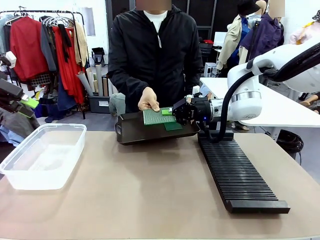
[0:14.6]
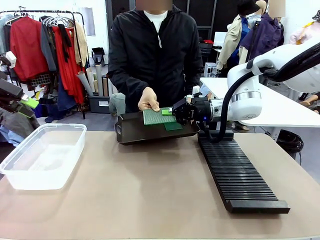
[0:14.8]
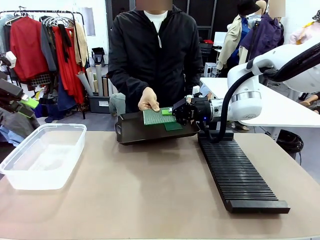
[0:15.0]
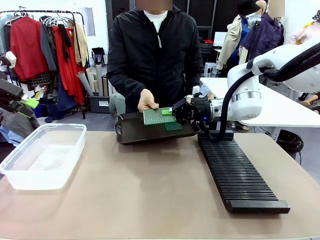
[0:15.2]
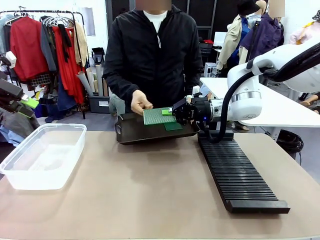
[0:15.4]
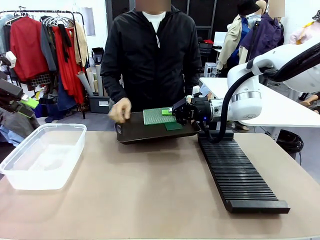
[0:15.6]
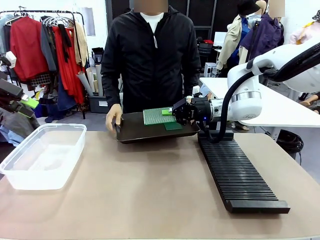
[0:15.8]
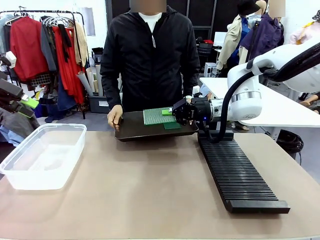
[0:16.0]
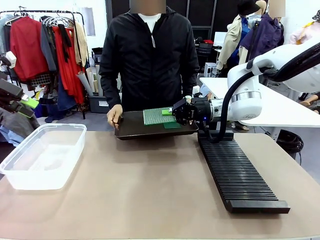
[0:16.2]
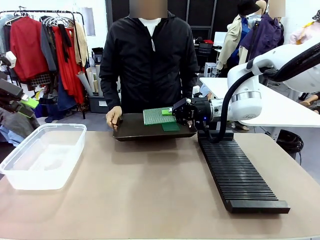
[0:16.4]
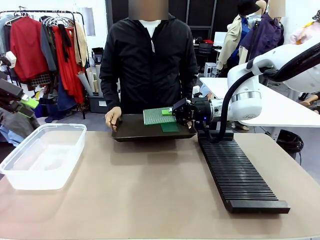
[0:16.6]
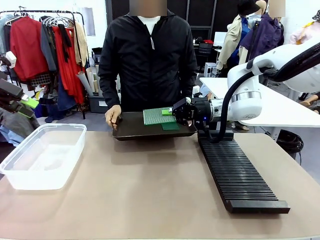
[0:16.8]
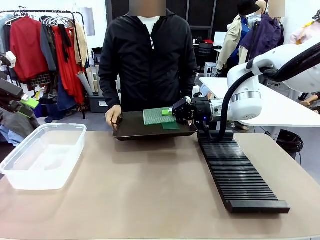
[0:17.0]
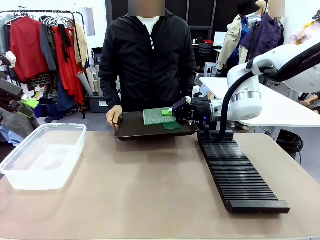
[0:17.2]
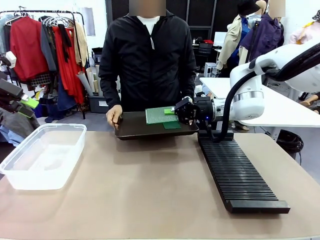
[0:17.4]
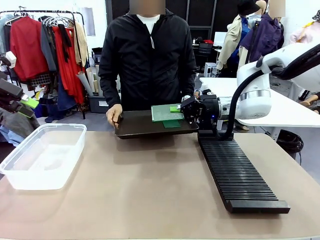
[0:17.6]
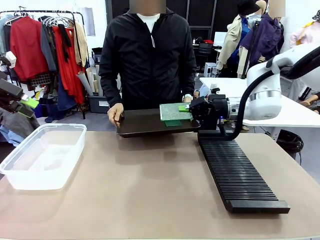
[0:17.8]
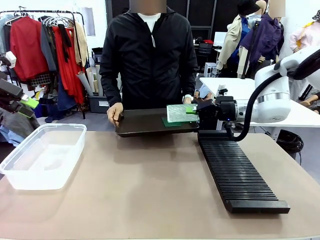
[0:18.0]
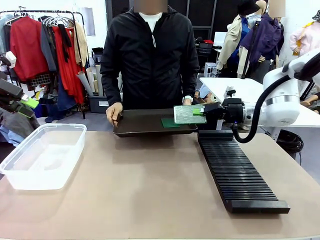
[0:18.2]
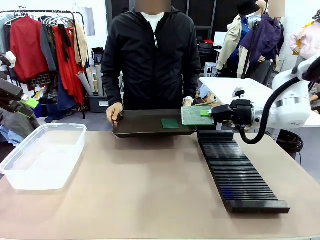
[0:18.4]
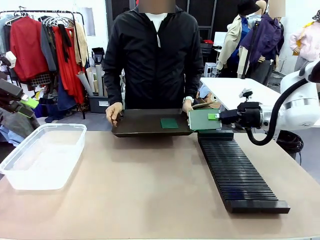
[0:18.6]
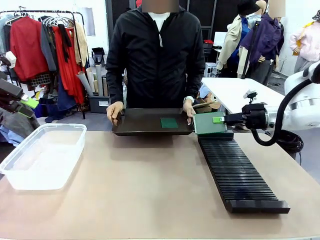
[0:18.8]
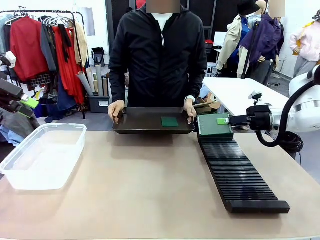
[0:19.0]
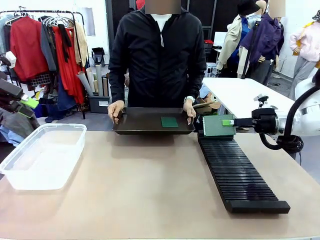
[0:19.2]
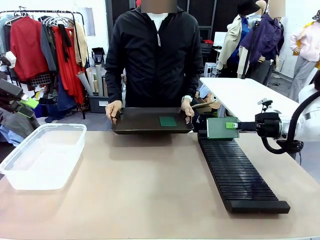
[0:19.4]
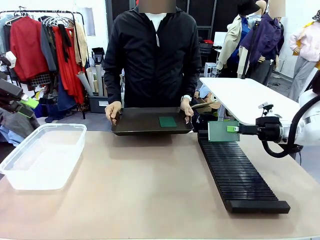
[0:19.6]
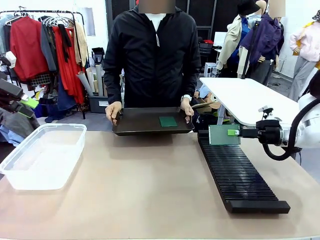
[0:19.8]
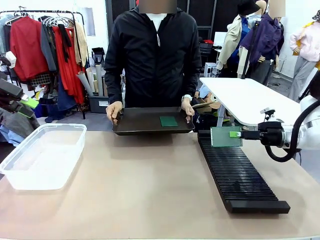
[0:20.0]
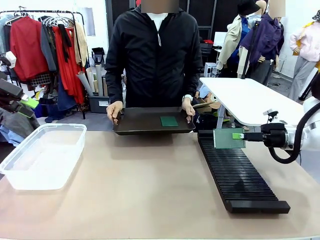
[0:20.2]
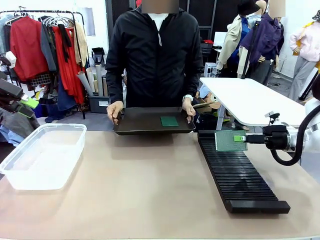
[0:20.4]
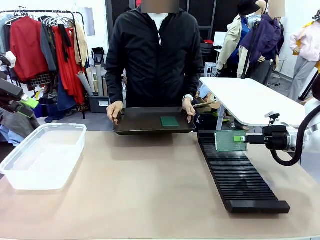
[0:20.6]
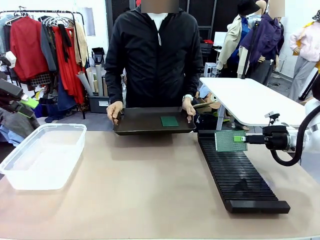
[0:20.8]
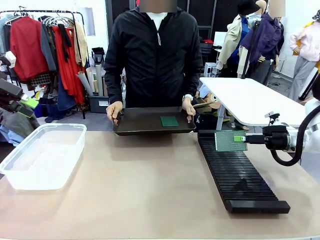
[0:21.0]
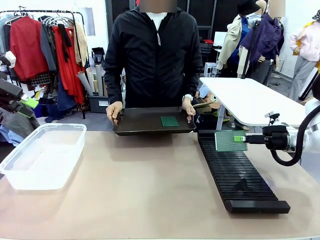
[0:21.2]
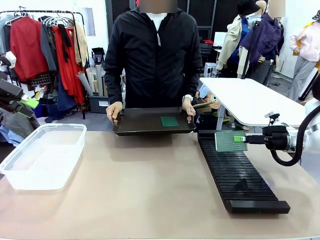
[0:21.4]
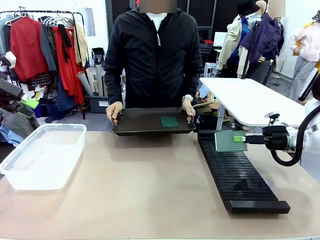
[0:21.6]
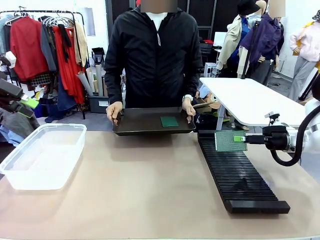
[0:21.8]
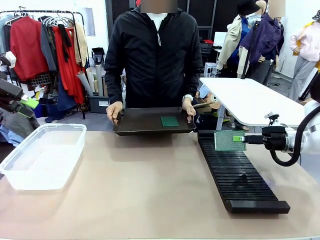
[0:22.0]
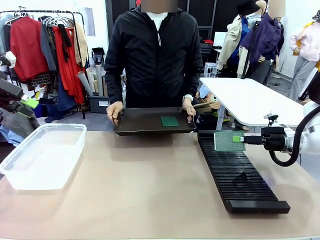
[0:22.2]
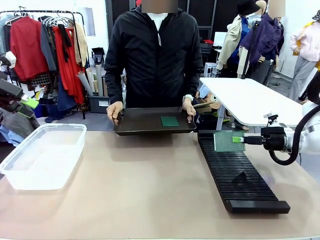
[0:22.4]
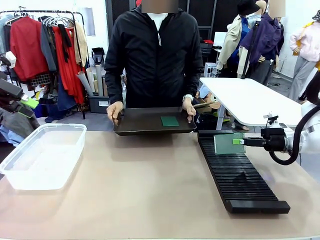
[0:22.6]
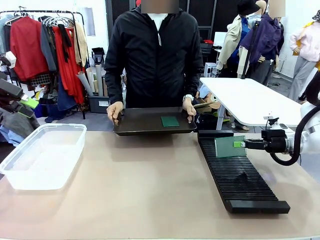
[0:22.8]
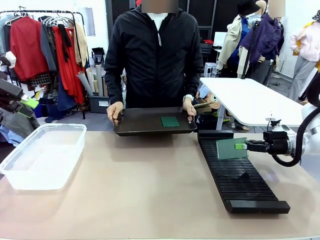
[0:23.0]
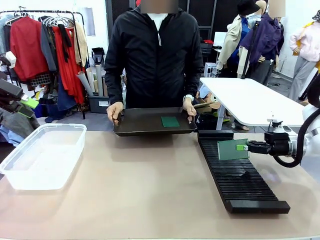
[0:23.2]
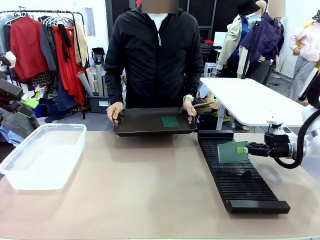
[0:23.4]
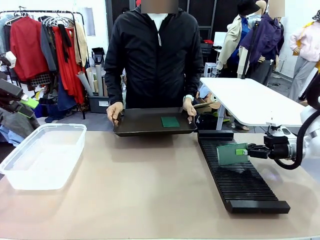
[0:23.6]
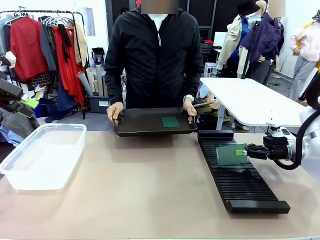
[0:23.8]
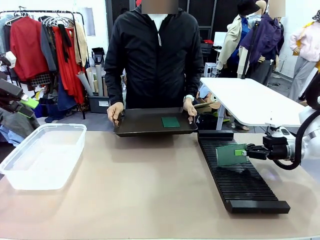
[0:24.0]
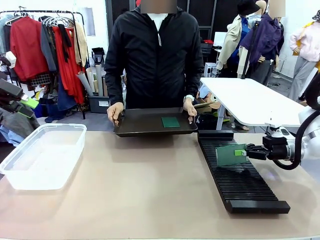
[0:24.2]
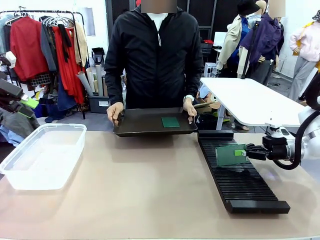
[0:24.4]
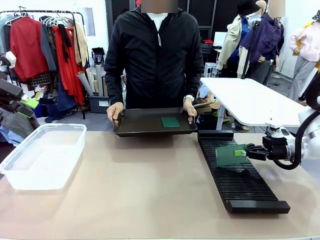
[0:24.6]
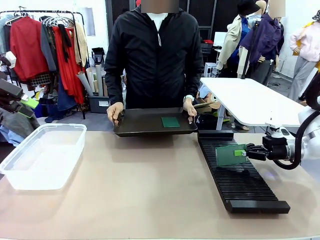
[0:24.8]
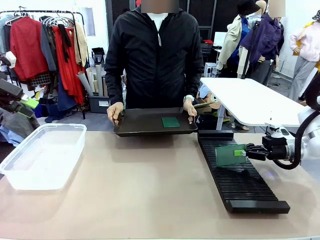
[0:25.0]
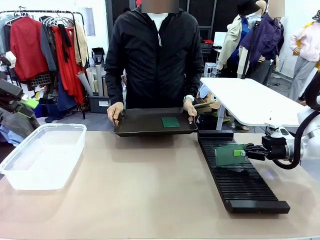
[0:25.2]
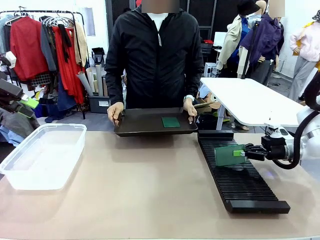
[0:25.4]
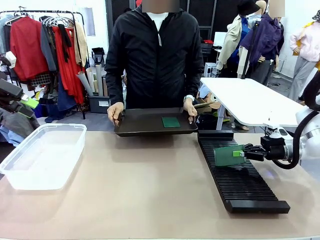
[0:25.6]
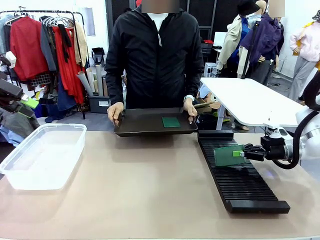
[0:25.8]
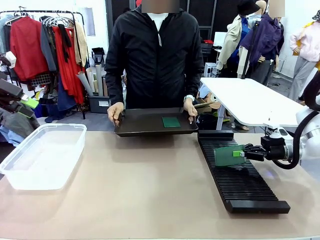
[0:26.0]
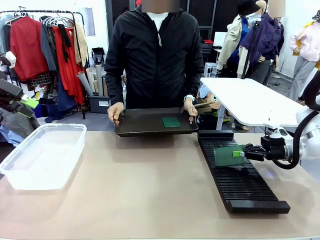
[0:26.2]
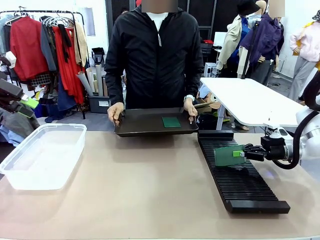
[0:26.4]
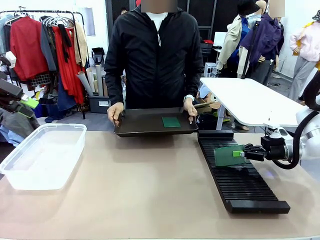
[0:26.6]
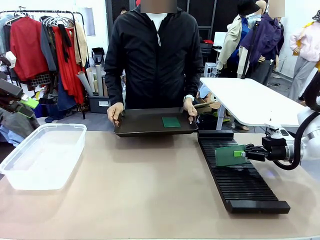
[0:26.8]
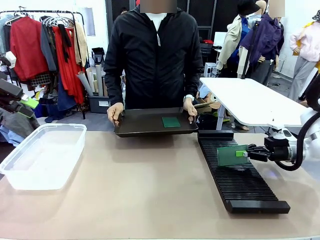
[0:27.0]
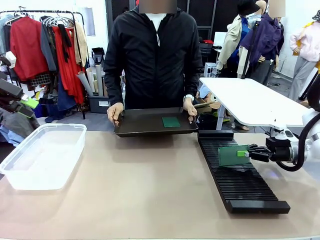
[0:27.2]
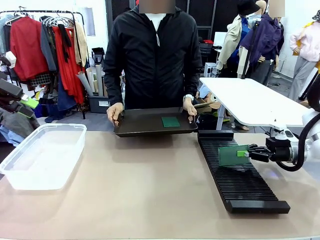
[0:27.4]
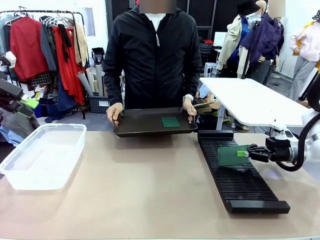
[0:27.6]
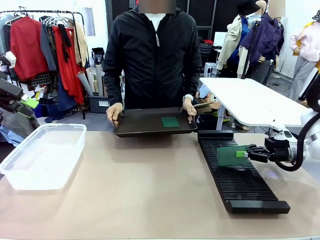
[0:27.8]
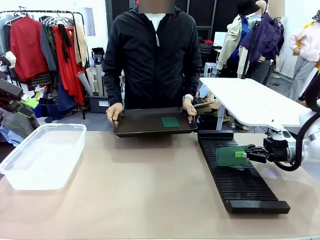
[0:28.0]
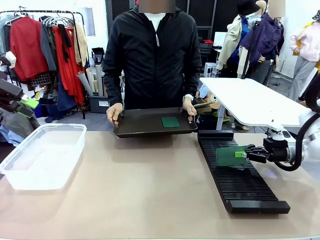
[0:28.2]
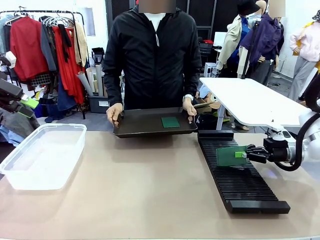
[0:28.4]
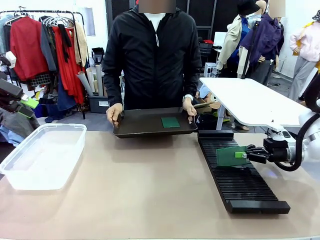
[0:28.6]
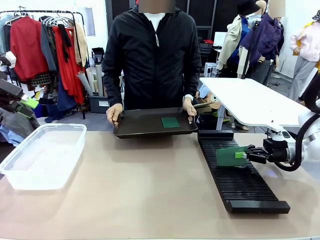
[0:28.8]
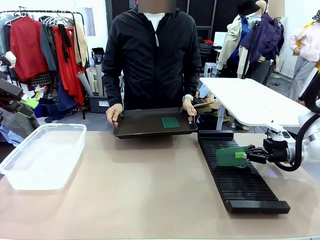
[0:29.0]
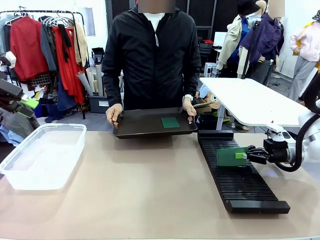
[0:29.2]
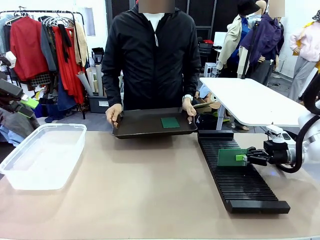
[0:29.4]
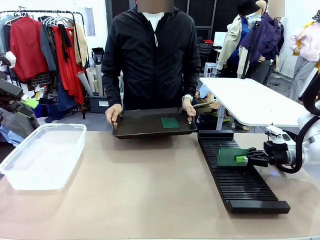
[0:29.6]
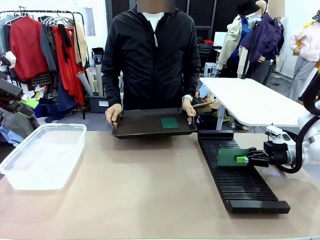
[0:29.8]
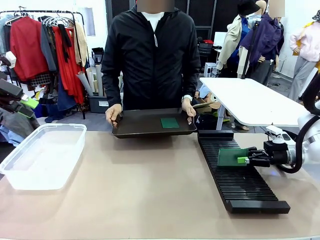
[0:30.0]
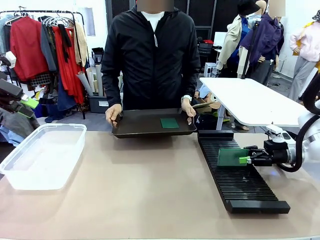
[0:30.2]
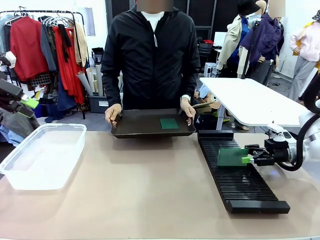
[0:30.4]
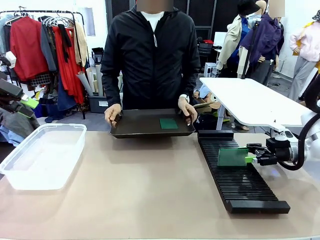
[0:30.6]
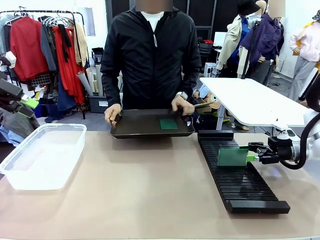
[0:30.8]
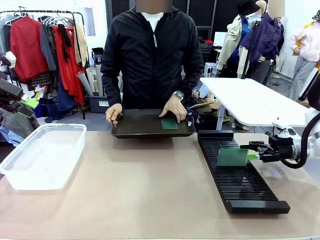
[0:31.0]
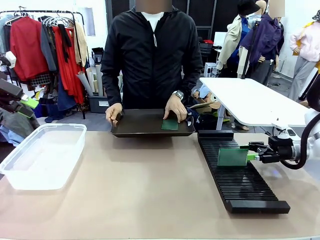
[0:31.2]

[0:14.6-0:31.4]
Task: Sort PCBs into racks and boxes based on the side picked up.
Robot: If the short side of the Blank PCB is picked up, insert it into the PCB Rack ; if the long side is picked up, place it in the Organizing box.
Person: Pick one PCB from the tray and present it to the robot.
